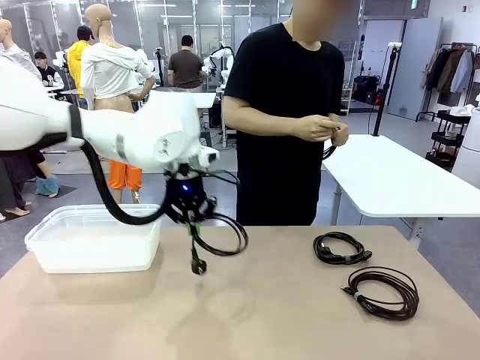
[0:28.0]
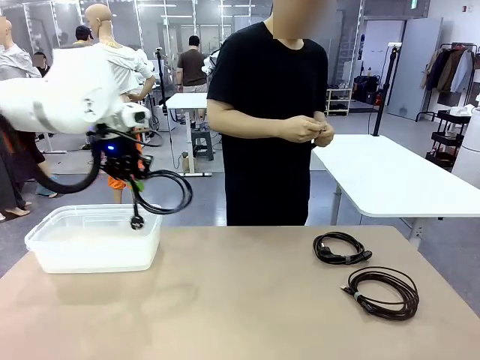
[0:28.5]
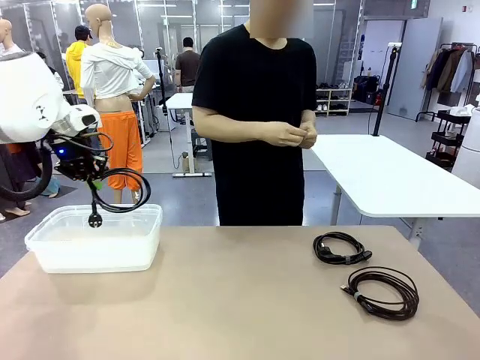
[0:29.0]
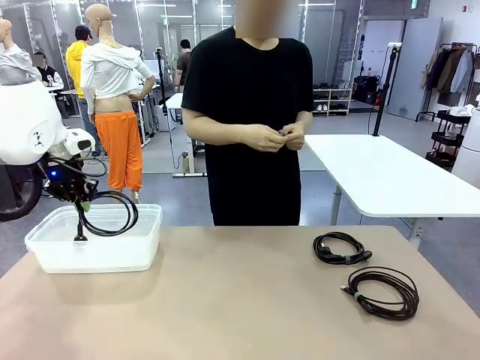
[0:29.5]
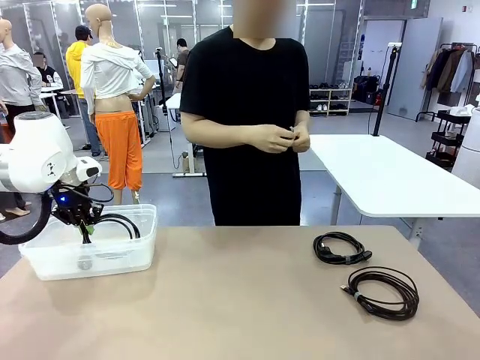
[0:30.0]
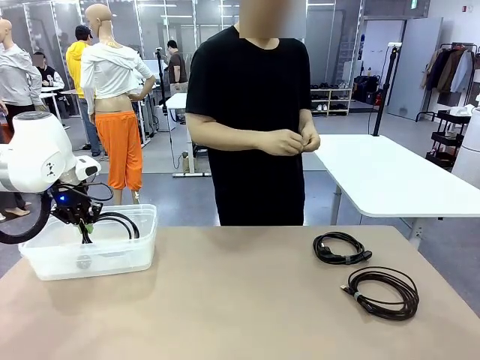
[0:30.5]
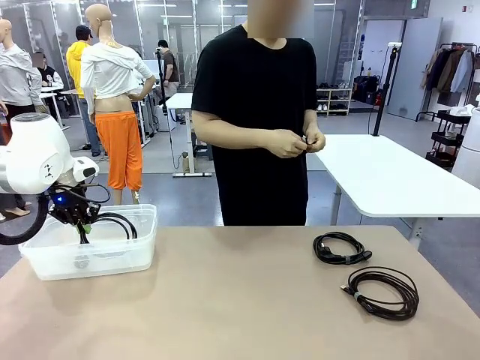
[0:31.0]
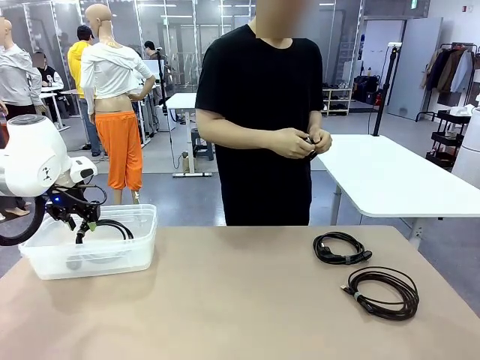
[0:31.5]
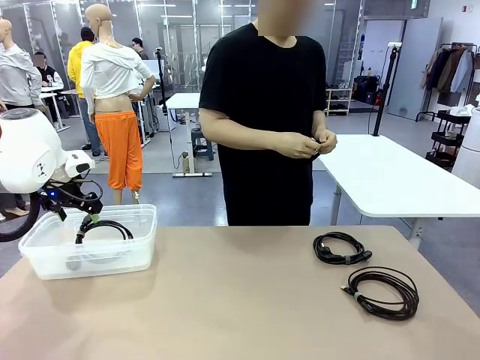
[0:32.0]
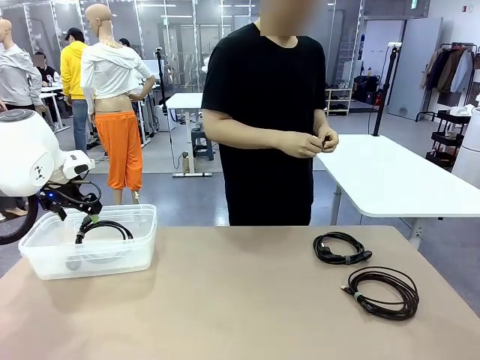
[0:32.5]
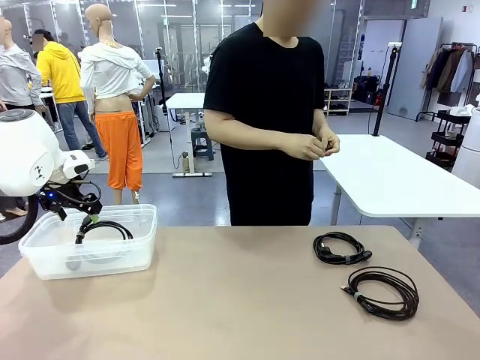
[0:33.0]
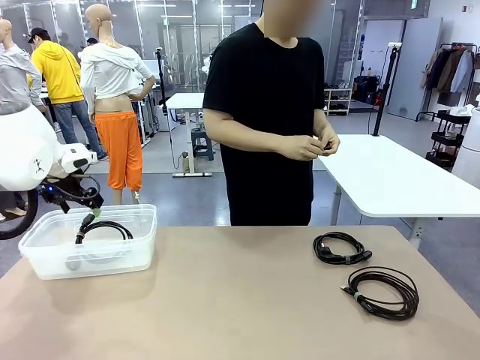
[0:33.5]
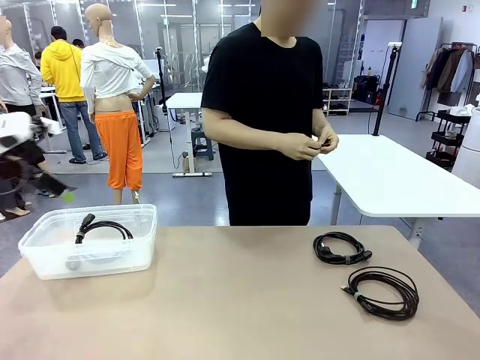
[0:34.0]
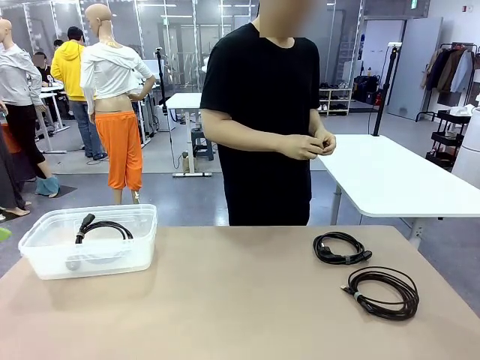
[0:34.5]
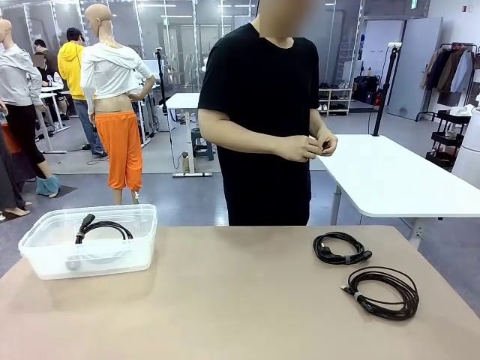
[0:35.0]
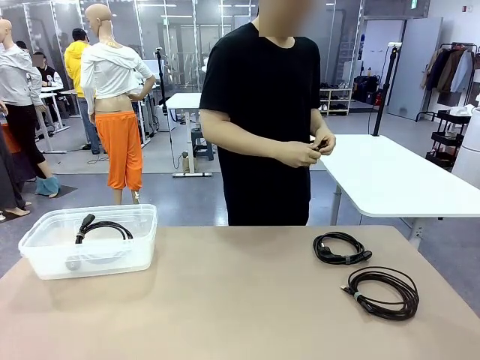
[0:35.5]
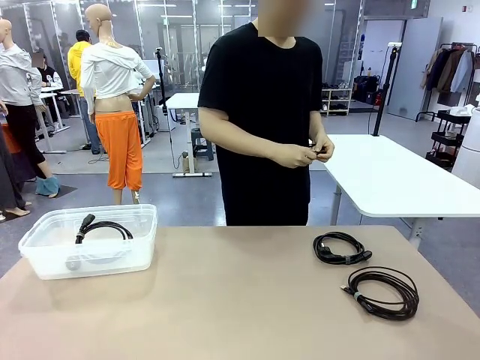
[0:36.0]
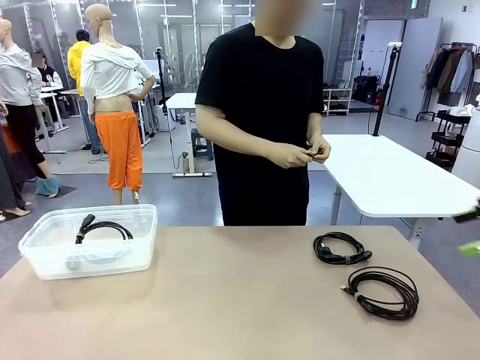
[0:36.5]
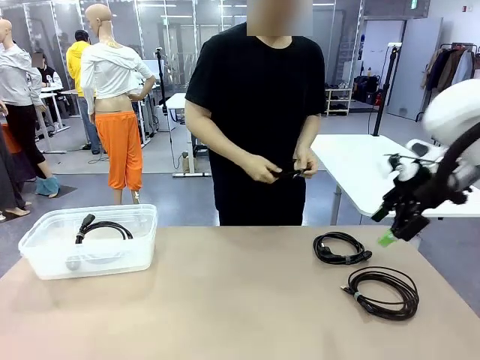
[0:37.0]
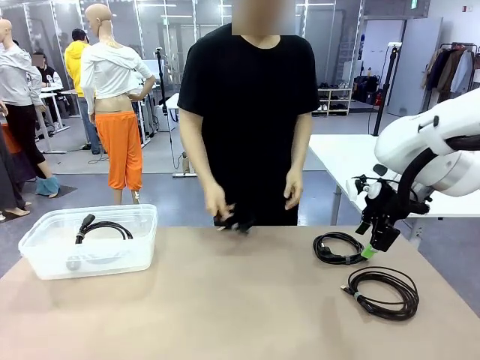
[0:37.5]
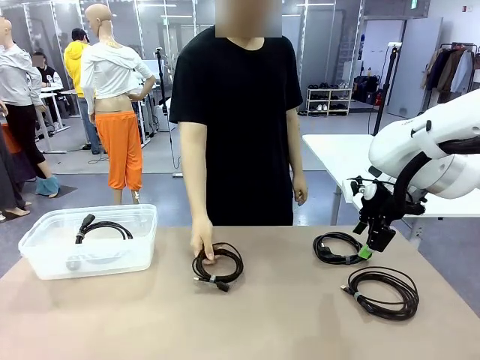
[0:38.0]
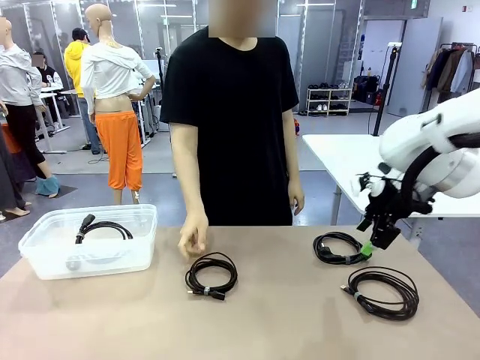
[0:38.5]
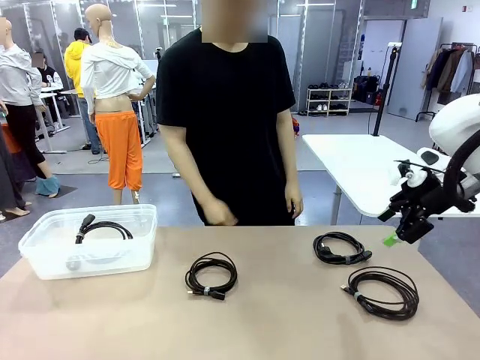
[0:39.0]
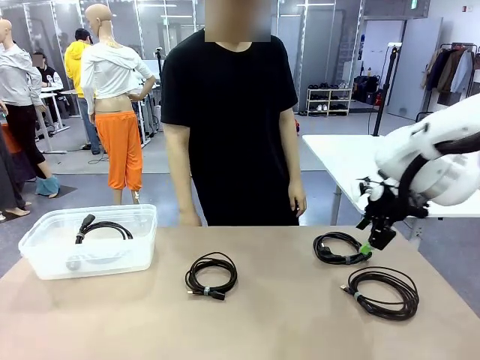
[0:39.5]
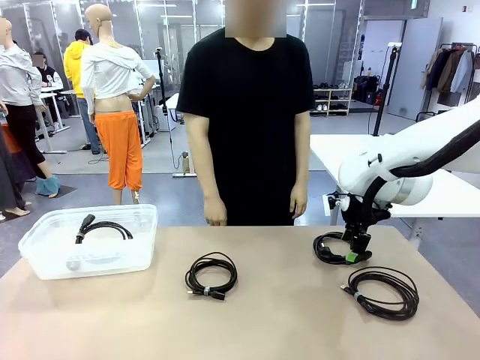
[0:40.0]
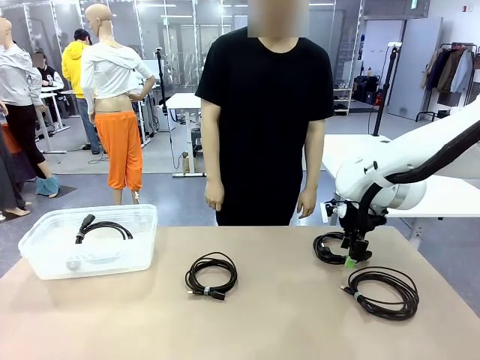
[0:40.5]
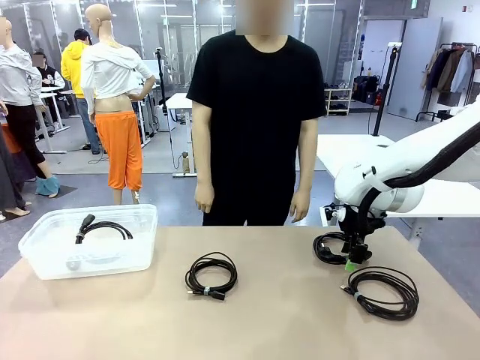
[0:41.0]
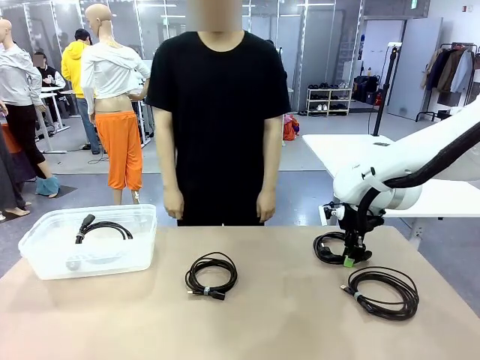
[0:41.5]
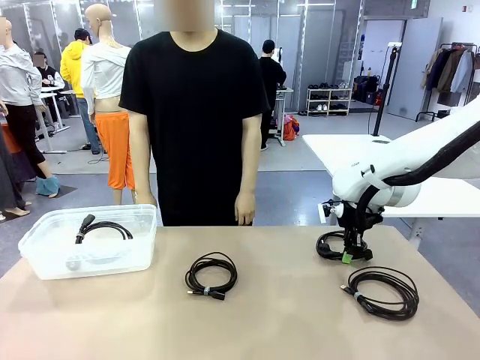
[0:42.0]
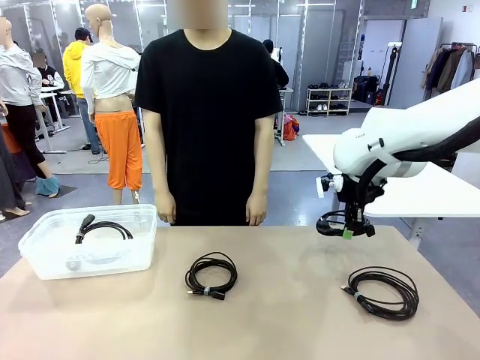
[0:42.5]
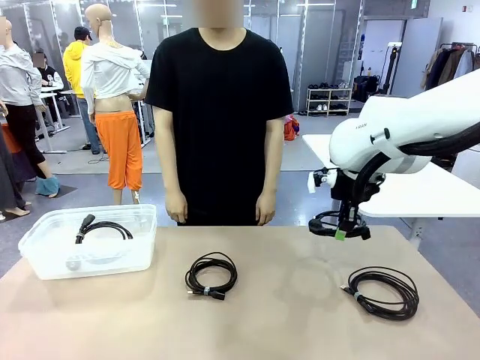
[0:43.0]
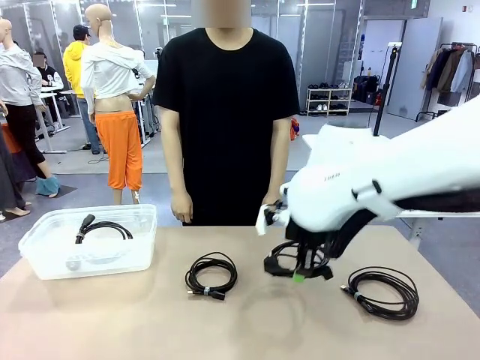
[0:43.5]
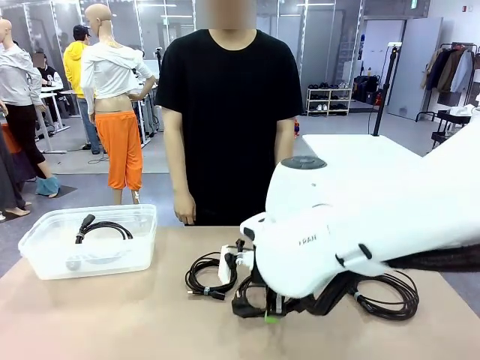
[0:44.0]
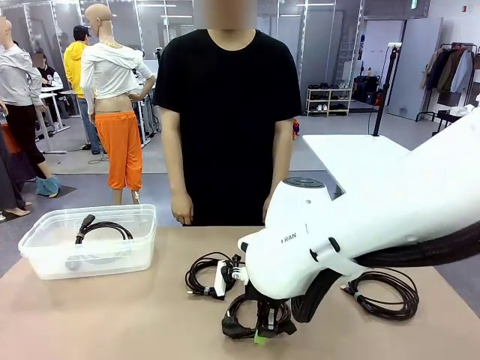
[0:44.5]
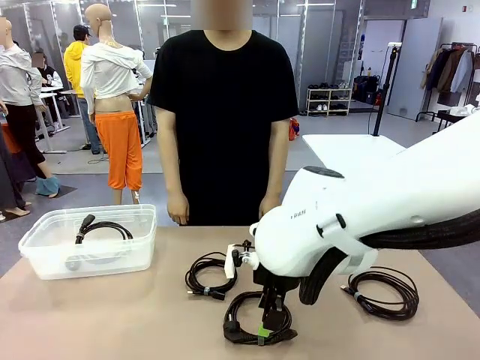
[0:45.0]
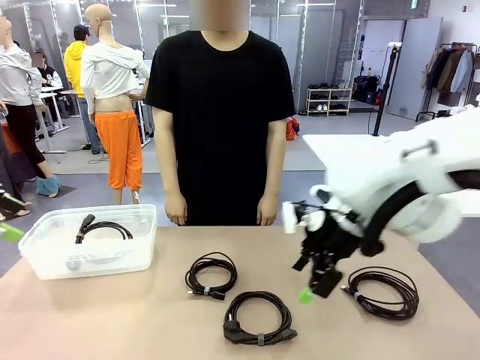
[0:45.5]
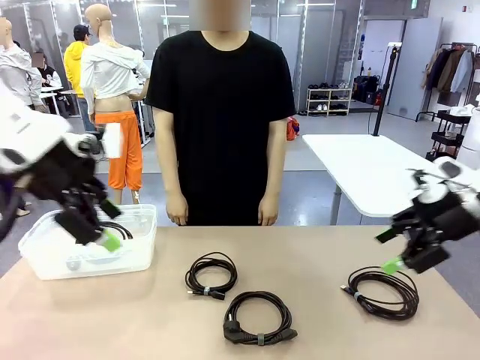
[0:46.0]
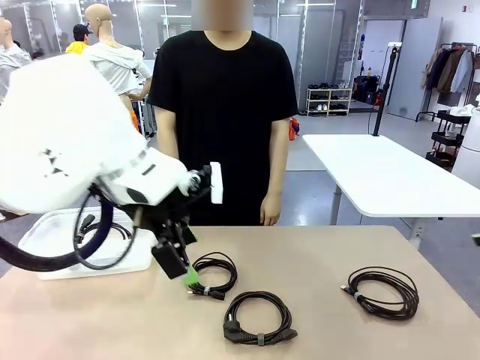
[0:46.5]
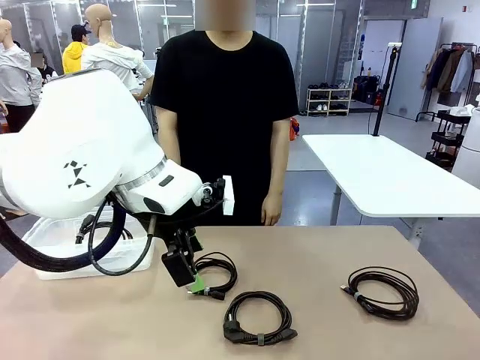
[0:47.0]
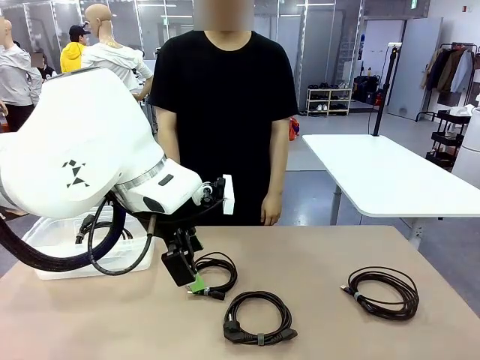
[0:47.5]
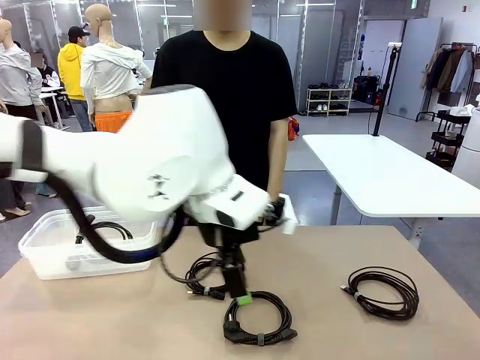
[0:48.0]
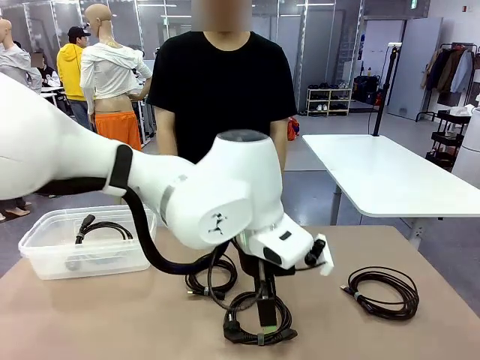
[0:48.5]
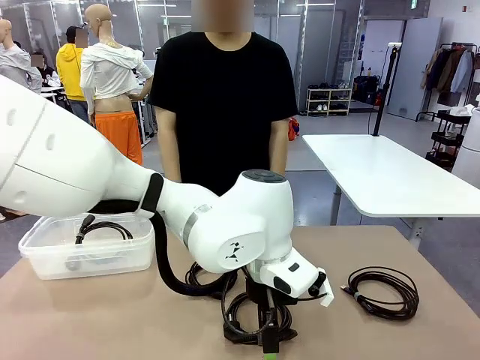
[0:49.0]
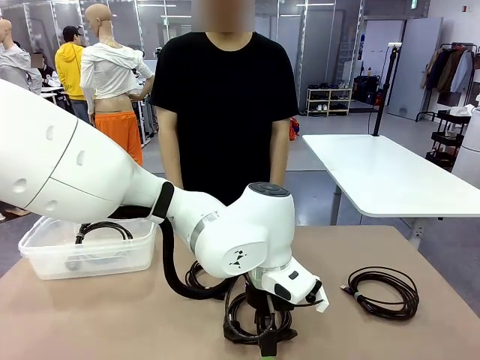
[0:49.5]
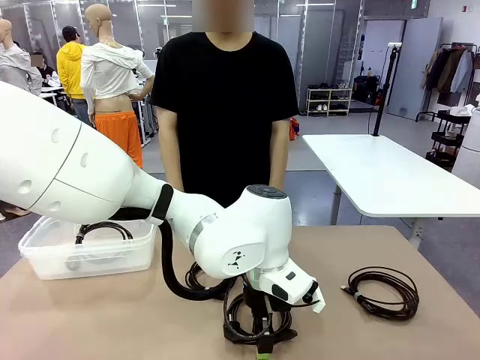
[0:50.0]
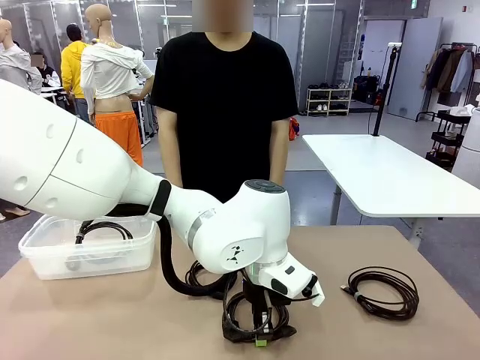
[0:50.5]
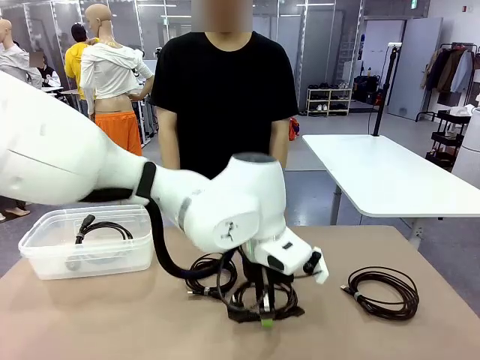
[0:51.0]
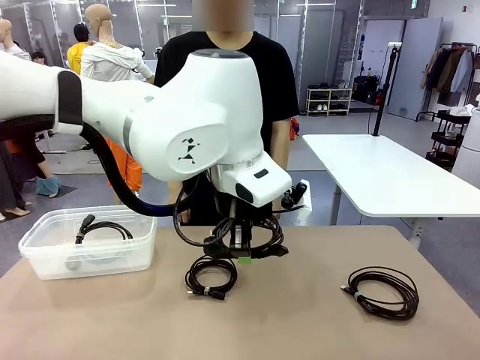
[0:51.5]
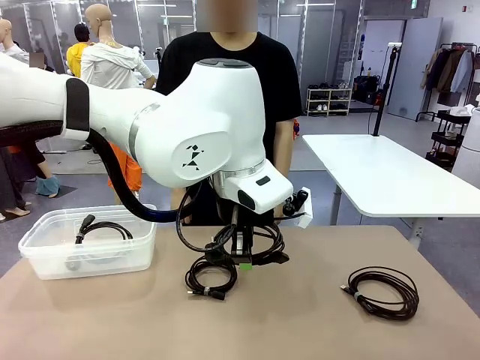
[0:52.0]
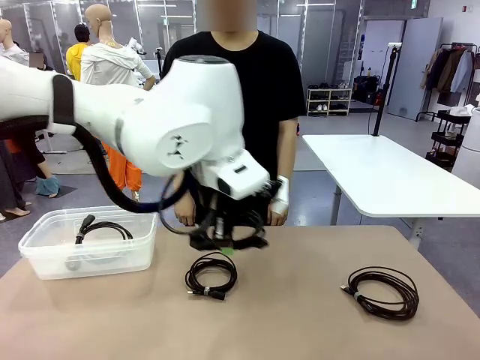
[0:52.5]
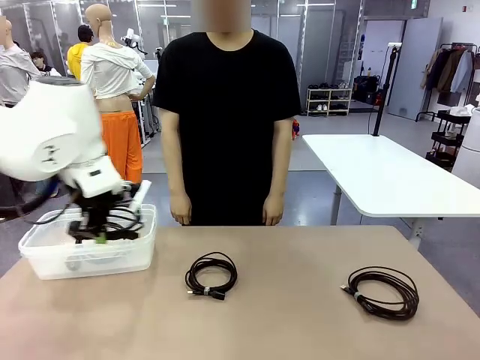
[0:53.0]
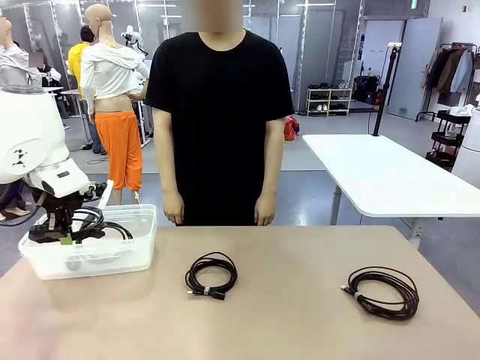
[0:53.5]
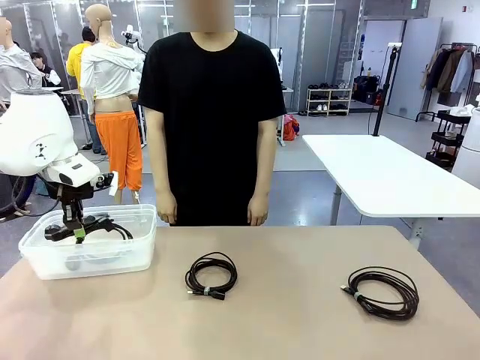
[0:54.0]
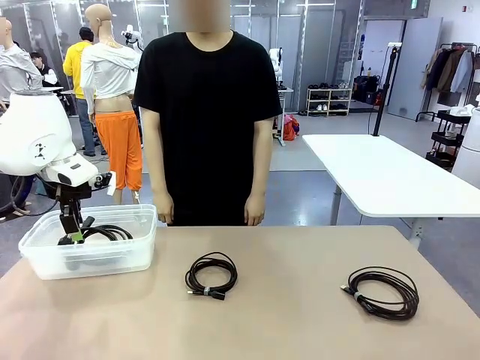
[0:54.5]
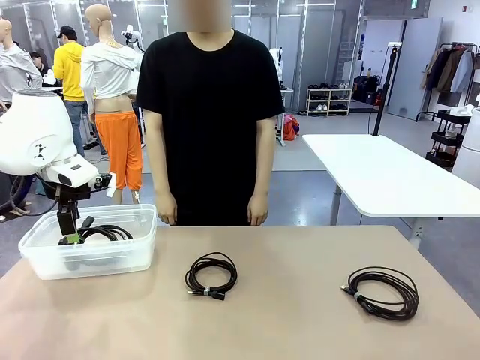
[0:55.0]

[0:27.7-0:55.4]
Task: Organize and store the cables.
Robot: Place the Power Cable into the Organizing box.
